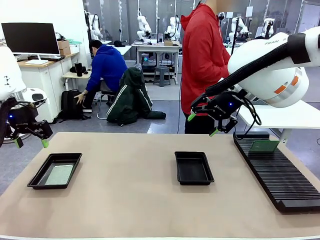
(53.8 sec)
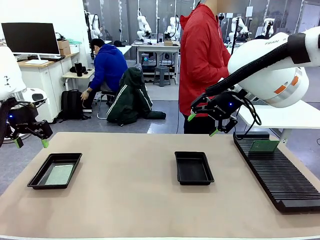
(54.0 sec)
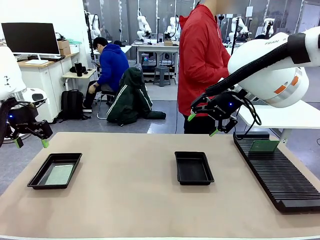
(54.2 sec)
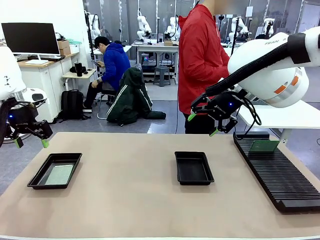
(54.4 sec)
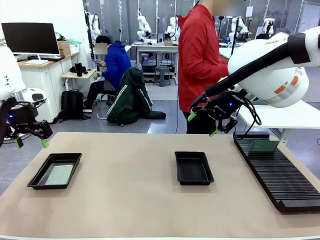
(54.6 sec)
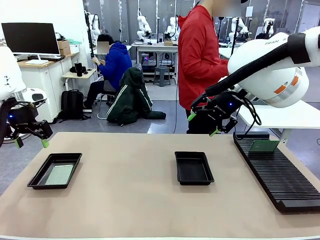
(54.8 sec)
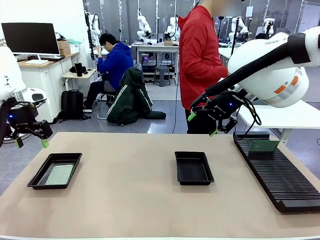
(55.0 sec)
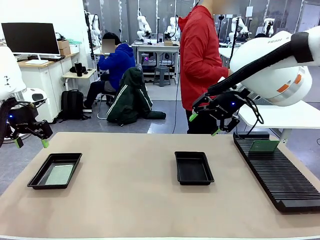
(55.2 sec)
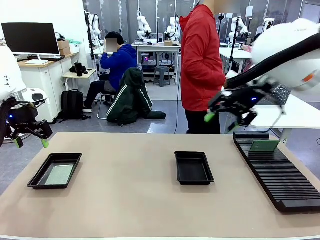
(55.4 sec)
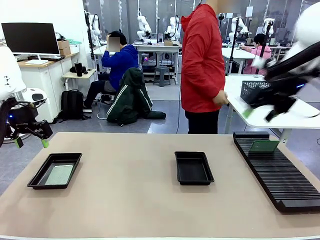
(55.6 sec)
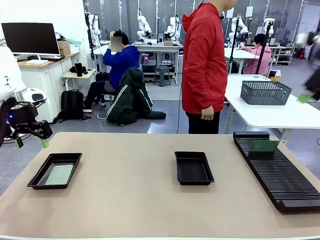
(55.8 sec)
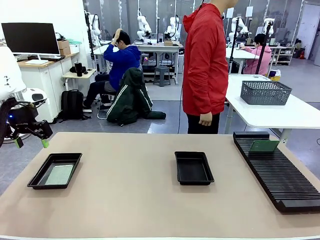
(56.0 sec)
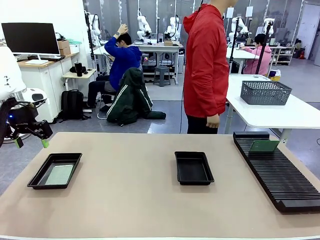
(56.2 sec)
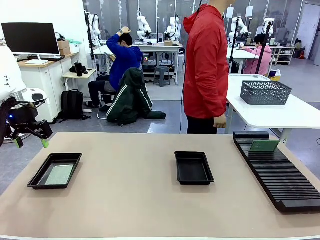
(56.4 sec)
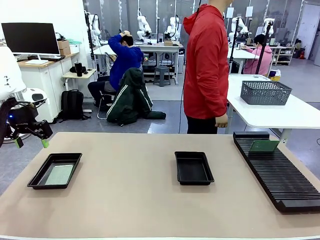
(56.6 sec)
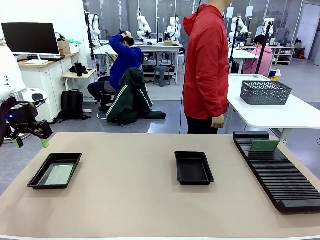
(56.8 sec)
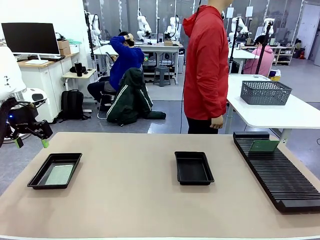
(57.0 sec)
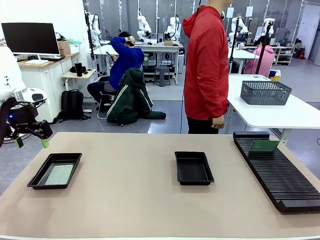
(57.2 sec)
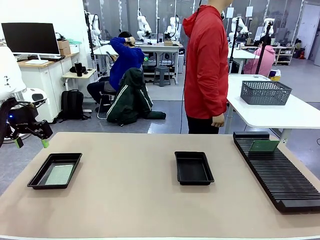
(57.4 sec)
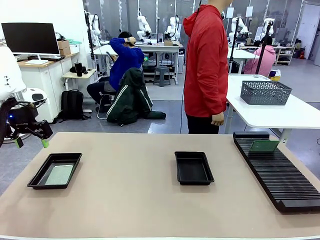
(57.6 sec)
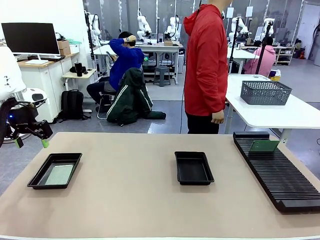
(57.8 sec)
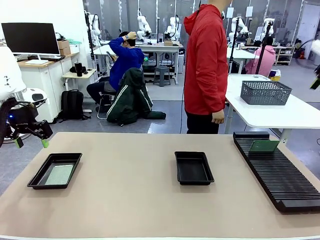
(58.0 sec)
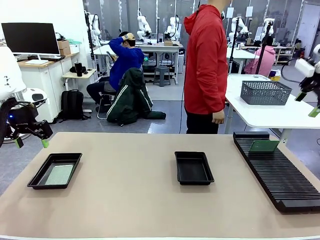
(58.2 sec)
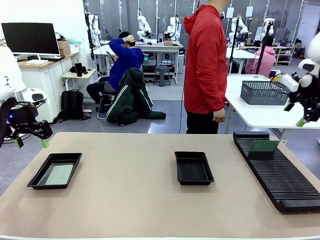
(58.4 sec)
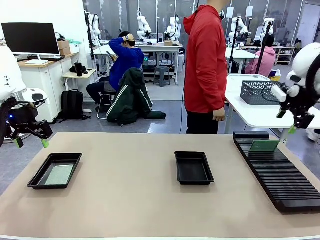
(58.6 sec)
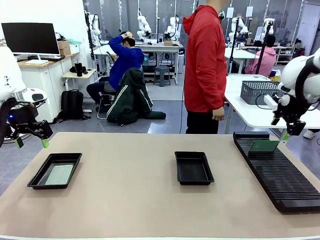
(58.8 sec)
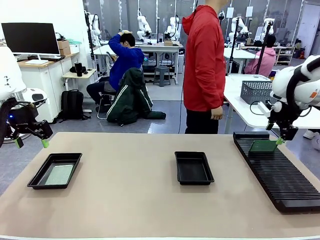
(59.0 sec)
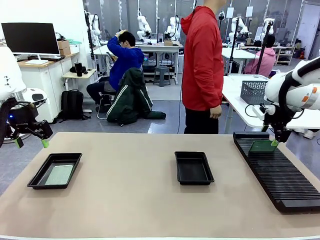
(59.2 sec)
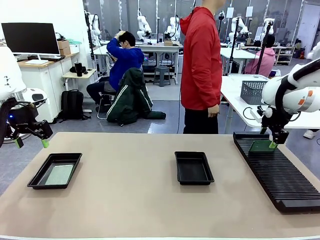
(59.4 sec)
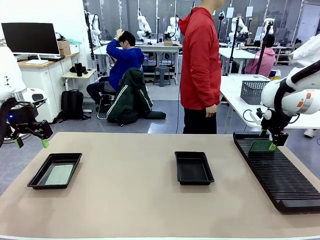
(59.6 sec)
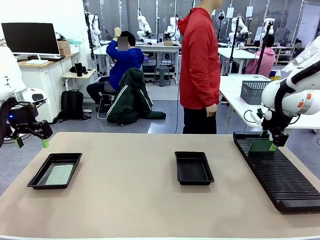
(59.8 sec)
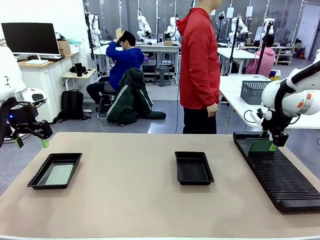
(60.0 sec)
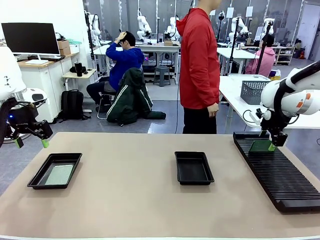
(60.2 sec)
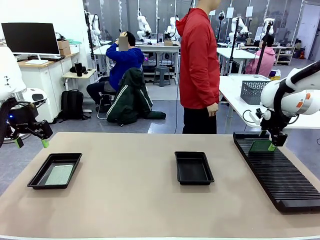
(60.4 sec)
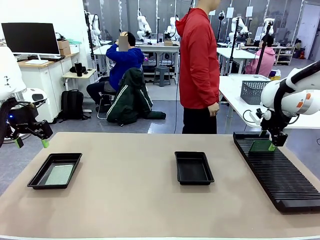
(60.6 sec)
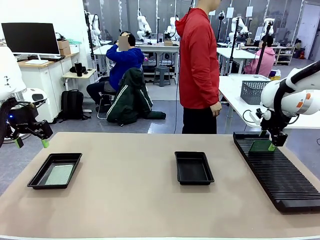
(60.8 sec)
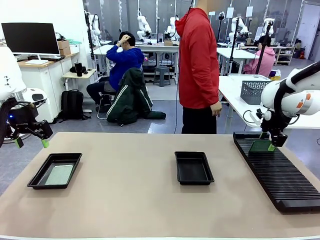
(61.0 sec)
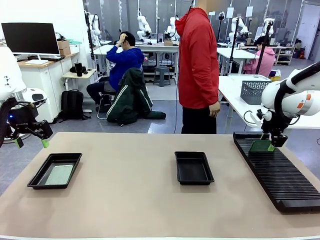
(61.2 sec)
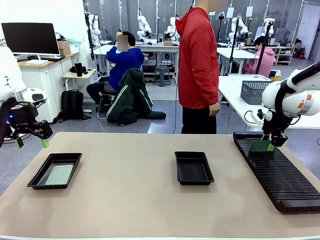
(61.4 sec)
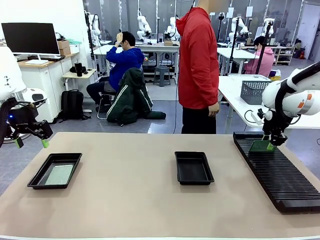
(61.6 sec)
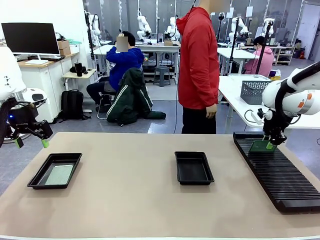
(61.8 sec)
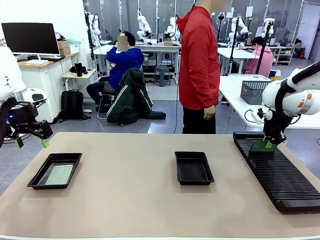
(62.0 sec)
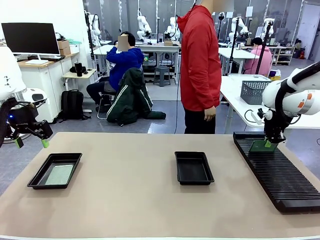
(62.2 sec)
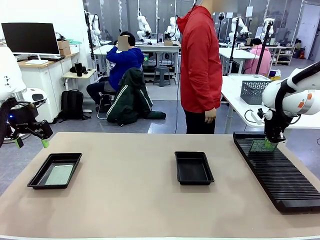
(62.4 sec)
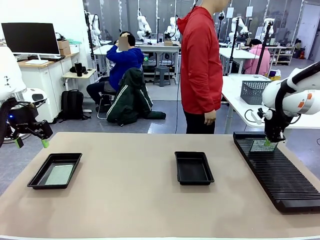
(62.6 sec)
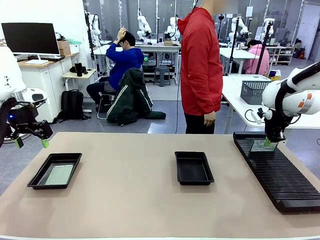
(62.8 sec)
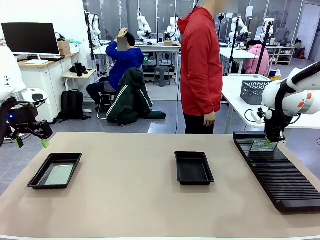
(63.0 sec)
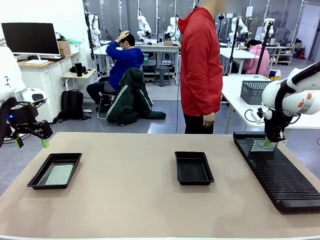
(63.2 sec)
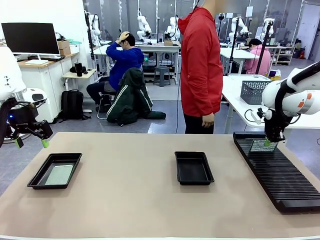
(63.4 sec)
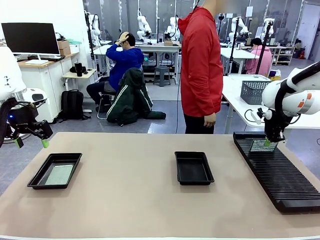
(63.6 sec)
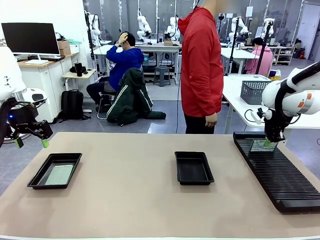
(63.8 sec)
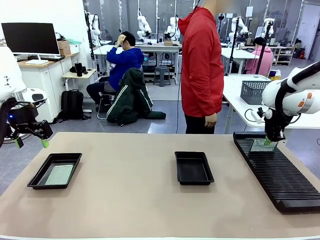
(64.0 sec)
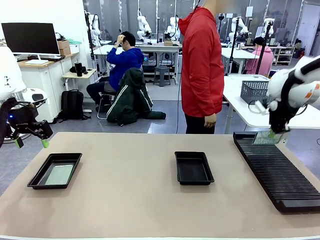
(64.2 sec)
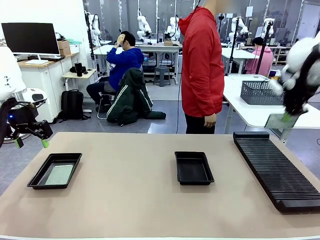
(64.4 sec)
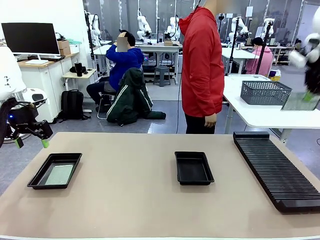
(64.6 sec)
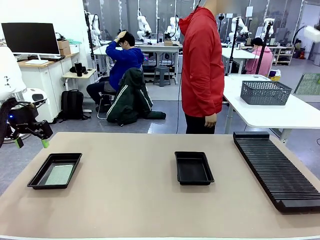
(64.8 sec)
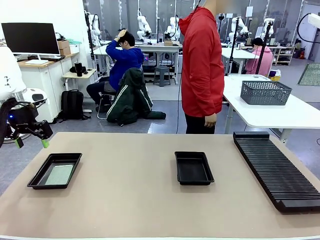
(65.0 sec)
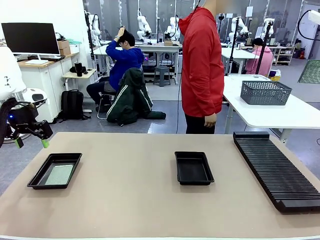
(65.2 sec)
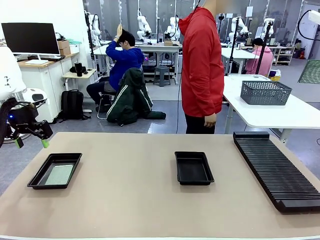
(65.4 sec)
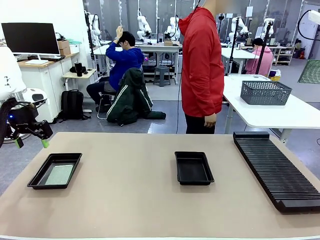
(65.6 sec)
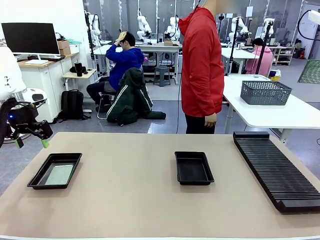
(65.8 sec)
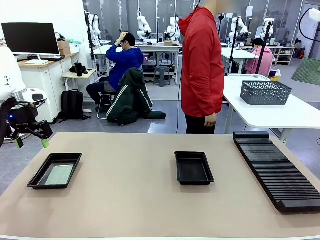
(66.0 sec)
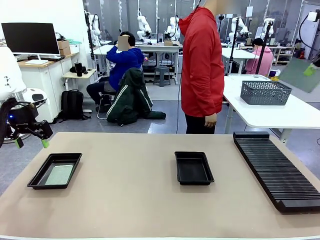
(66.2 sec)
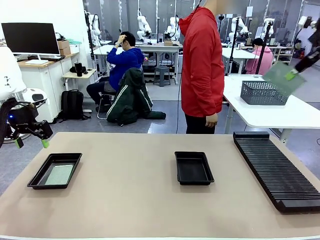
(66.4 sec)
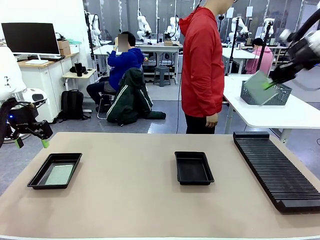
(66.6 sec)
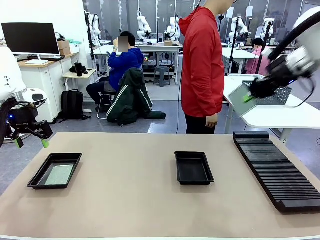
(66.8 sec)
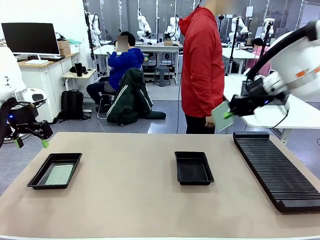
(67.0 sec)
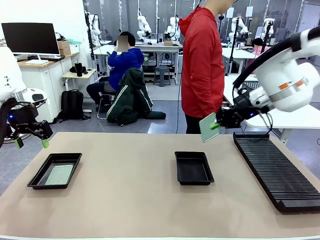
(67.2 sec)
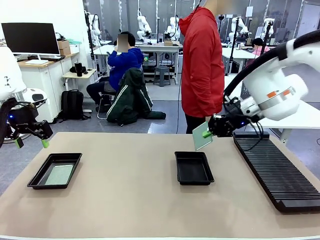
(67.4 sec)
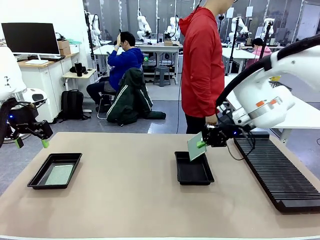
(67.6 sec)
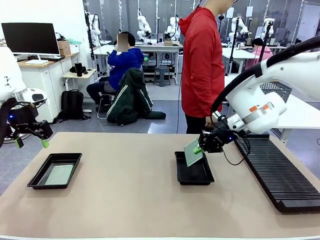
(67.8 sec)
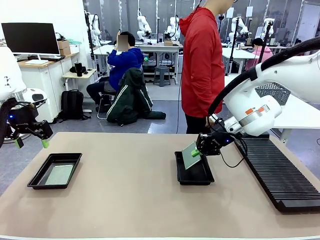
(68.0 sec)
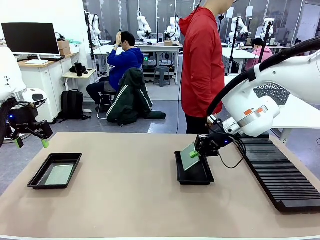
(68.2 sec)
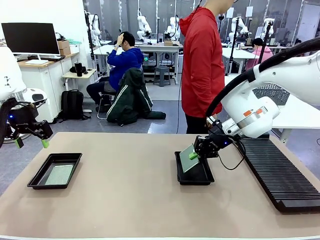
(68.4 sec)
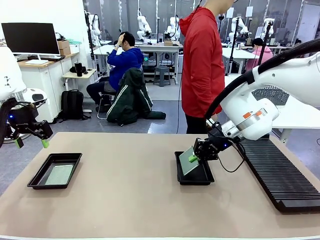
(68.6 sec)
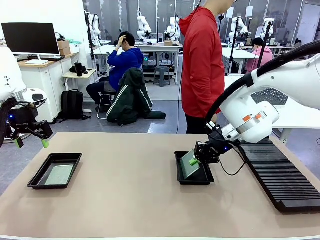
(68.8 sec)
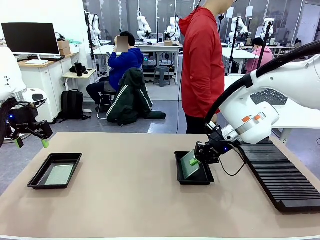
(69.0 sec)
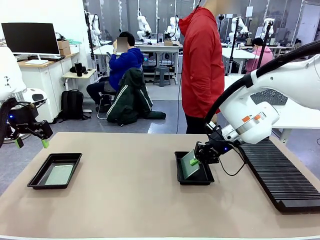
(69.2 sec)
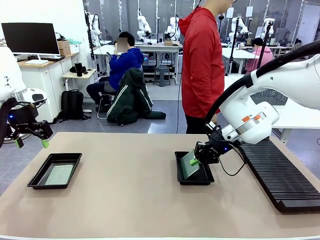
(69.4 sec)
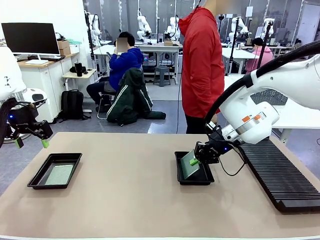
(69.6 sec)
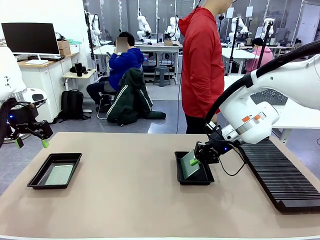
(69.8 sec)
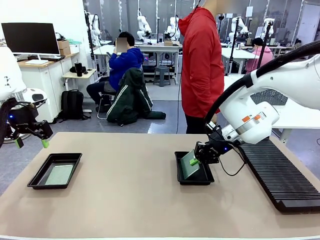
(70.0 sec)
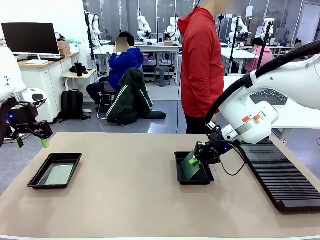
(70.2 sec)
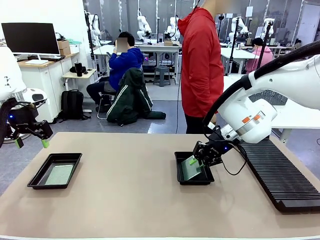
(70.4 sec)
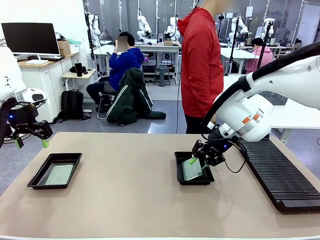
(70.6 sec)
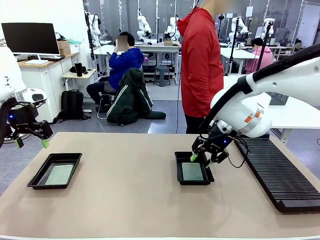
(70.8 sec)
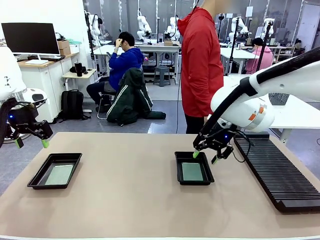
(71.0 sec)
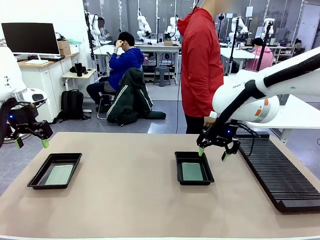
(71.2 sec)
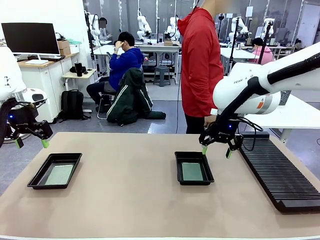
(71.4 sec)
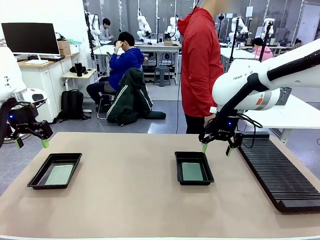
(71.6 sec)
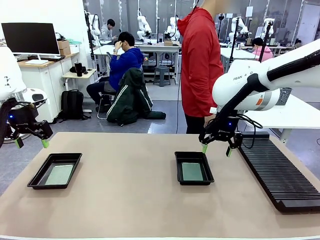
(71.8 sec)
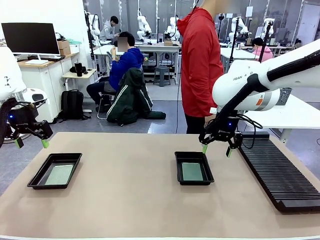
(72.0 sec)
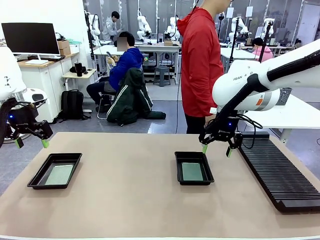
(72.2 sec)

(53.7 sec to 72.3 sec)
Task: Inspect and transfer BCBs to ESD trays.
Robot: Pick up the Blank PCB from the PCB Rack and place it in the right ESD tray.
